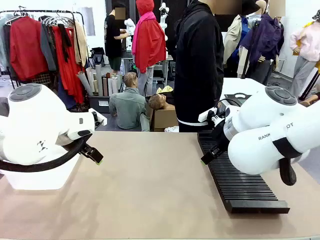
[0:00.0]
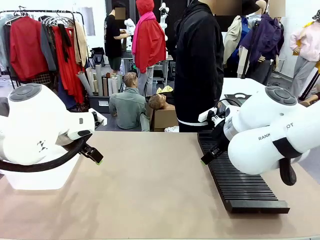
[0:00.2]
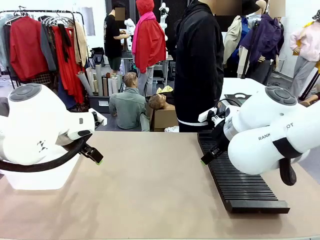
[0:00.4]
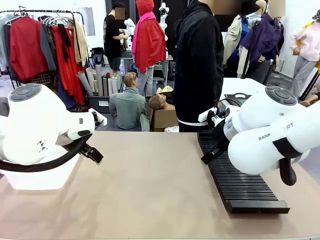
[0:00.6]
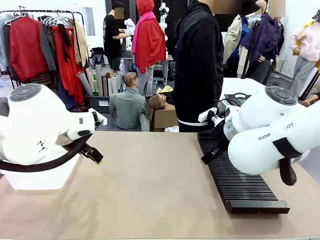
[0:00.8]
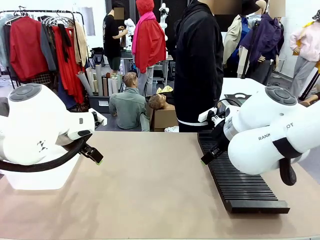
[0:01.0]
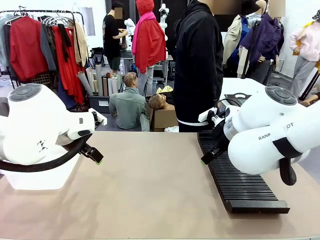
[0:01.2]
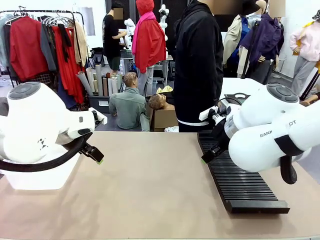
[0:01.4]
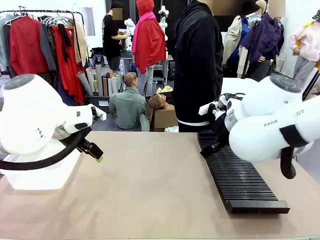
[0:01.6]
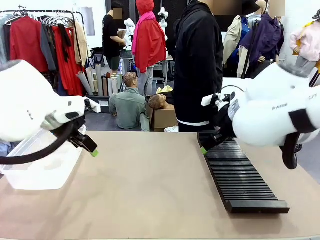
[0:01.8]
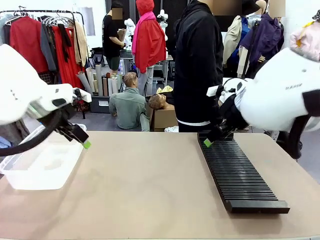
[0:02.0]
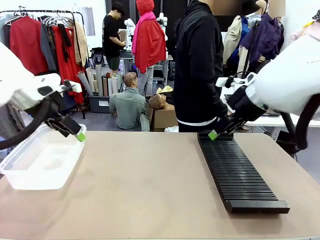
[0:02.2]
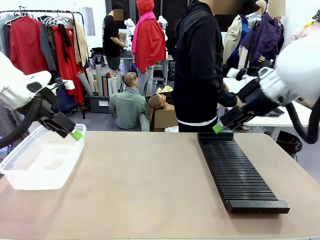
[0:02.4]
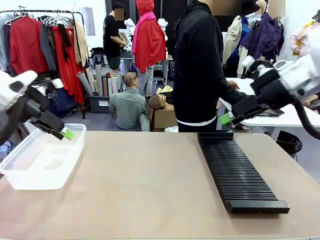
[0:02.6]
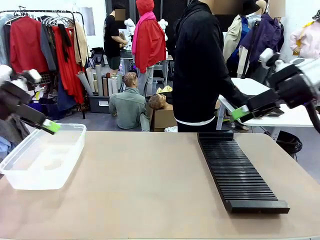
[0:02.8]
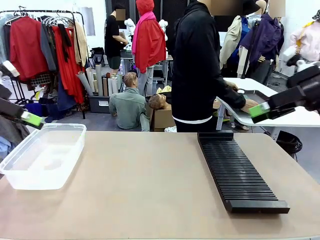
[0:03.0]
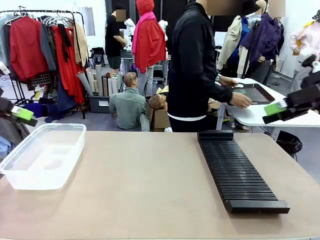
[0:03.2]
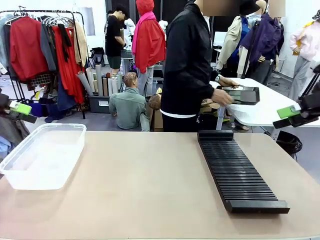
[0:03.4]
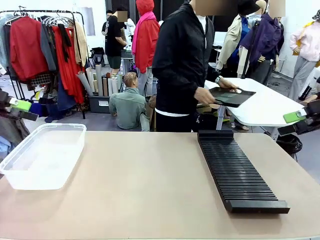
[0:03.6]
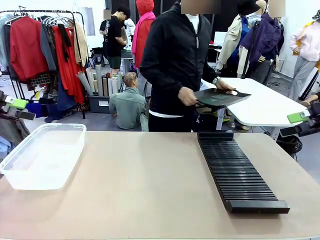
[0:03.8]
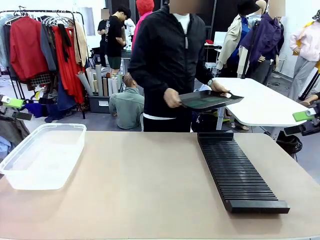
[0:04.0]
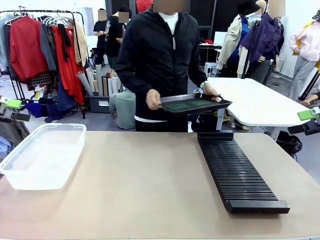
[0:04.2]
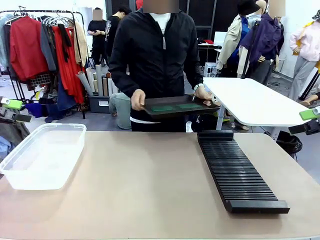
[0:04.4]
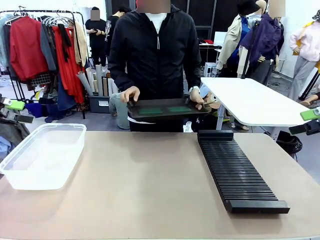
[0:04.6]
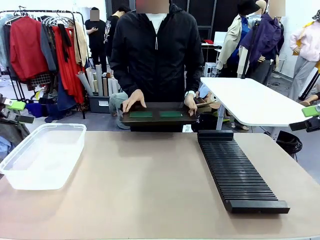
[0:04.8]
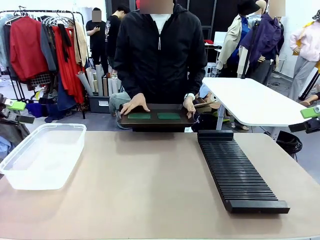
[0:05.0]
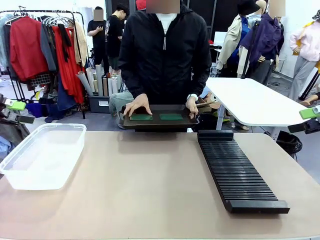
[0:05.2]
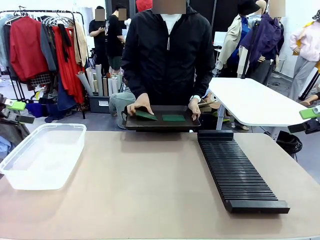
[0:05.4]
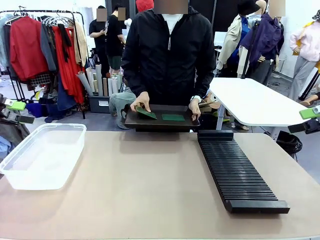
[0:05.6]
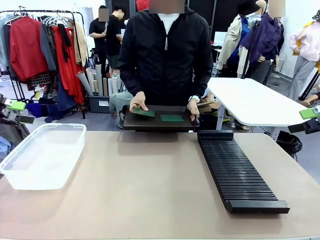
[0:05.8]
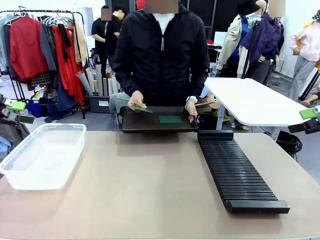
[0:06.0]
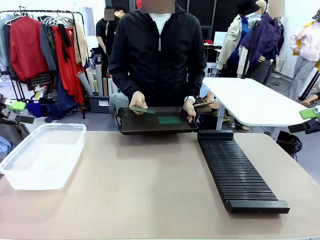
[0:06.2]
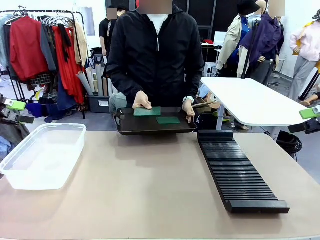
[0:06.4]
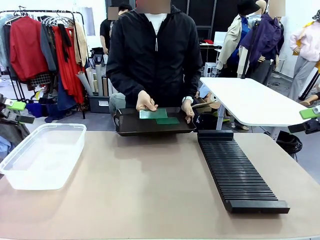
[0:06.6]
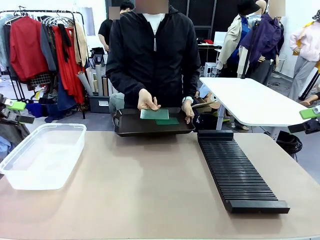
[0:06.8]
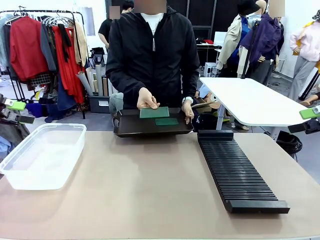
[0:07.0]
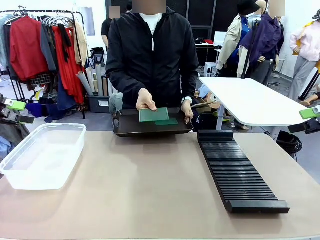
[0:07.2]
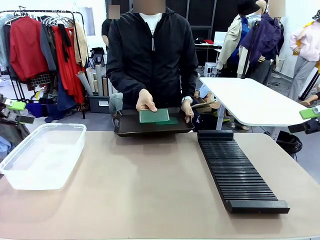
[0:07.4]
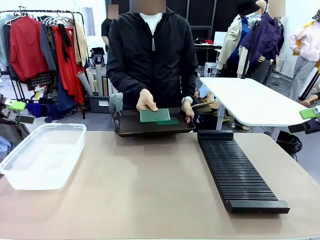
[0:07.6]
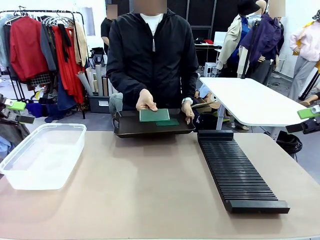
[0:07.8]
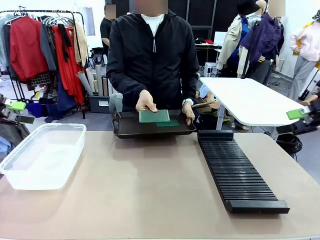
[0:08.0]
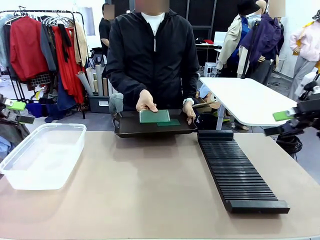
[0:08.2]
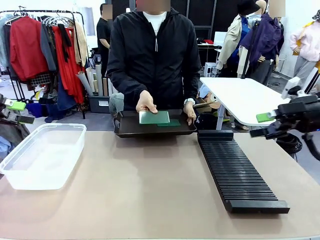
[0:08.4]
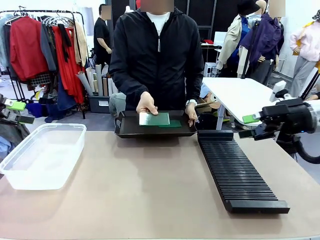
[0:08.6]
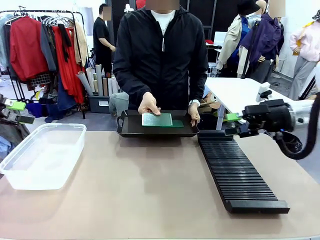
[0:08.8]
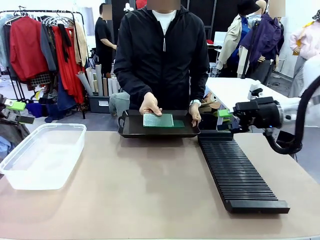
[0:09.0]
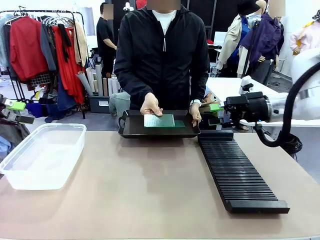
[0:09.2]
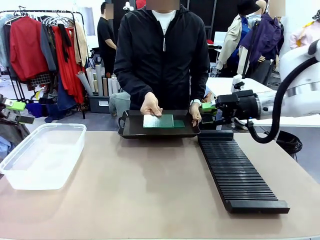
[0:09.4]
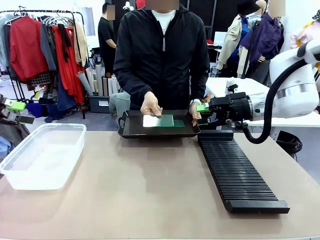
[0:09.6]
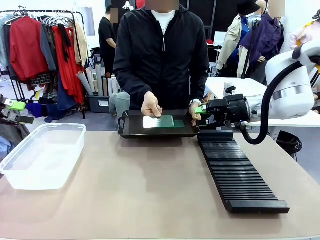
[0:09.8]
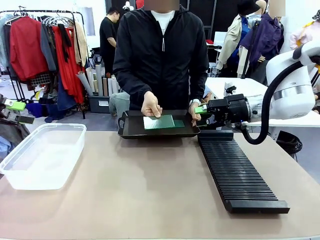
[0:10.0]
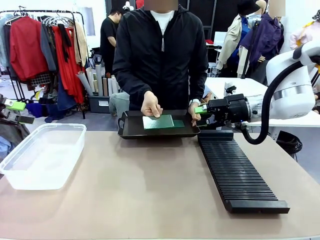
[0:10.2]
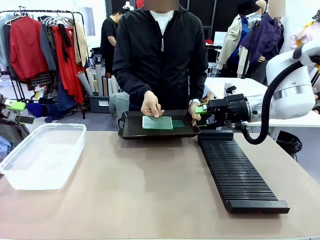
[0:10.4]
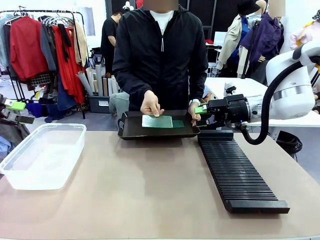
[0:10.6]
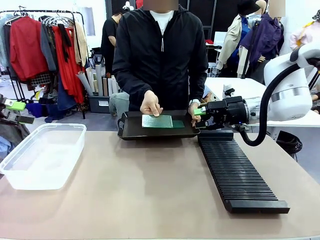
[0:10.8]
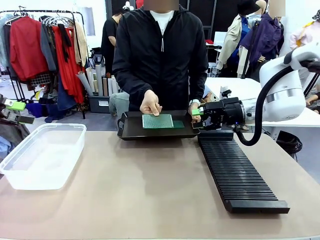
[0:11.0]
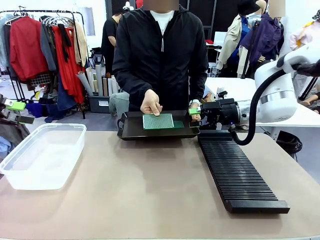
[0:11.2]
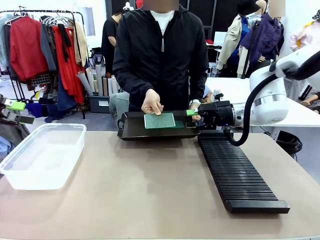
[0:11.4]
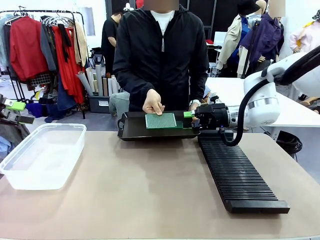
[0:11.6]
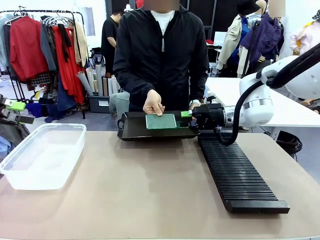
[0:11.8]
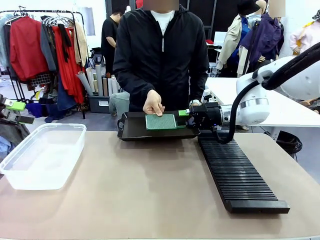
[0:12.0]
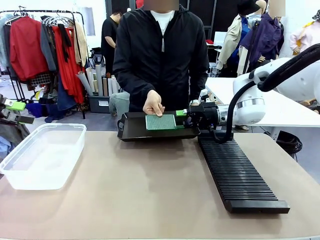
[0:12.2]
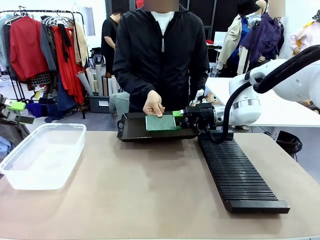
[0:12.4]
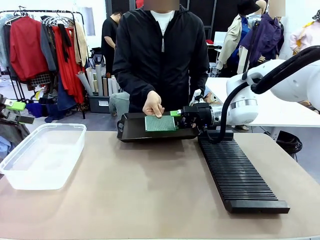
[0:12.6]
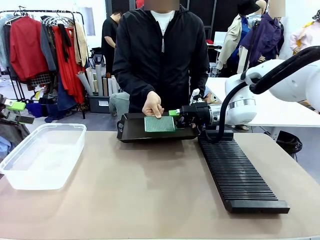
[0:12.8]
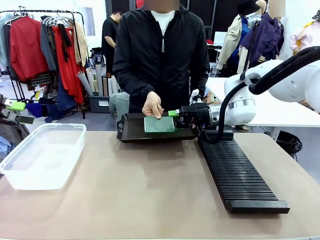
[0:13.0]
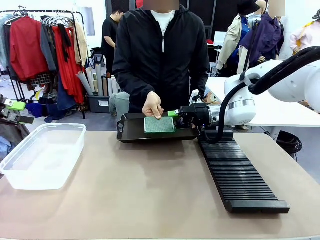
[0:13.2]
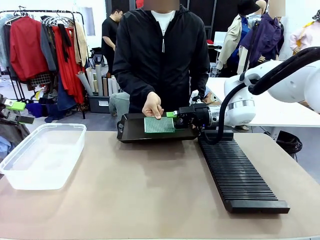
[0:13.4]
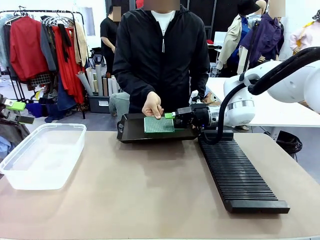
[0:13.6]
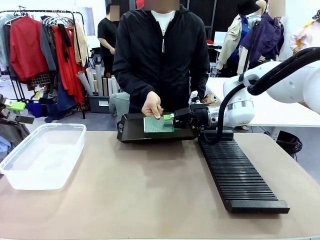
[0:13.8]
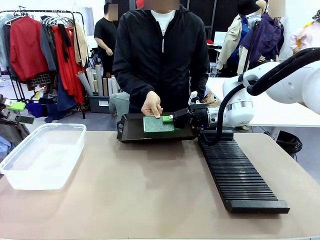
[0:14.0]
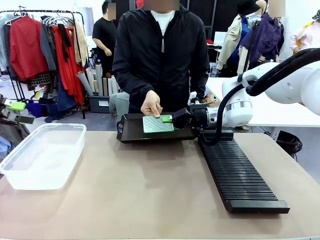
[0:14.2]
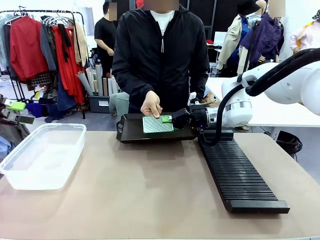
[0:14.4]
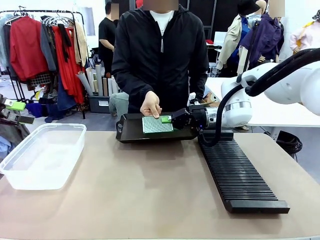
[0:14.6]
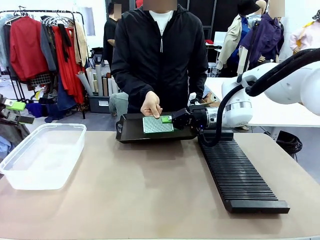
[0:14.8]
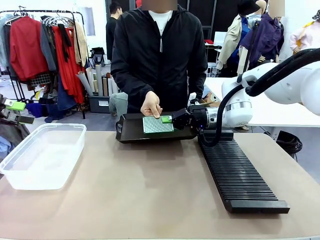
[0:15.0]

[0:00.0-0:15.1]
Task: Sort PCBs into racks and boxes based on the side picked up.
Robot: Pick up the Blank PCB handed by the Human.
Person: Pick one PCB from the tray and present it to the robot. Release the PCB being held.
